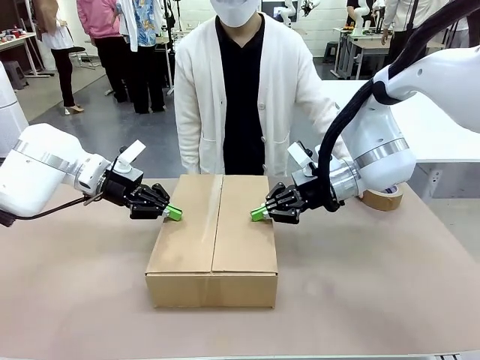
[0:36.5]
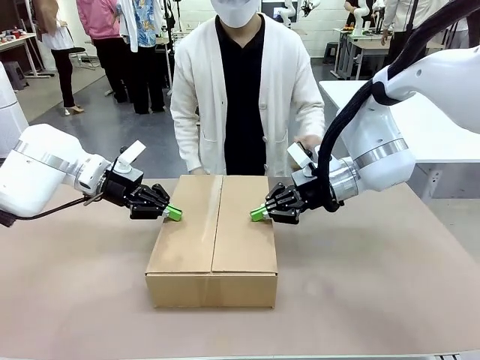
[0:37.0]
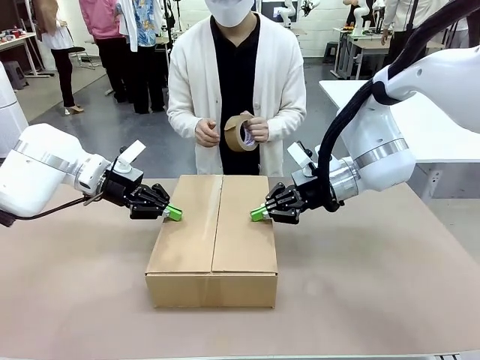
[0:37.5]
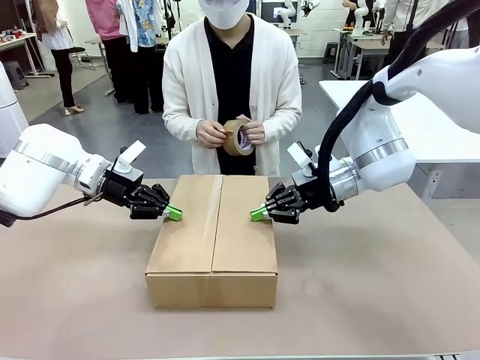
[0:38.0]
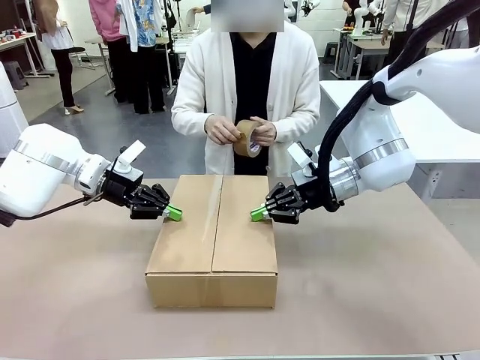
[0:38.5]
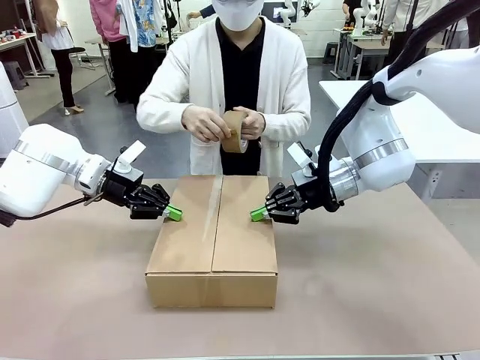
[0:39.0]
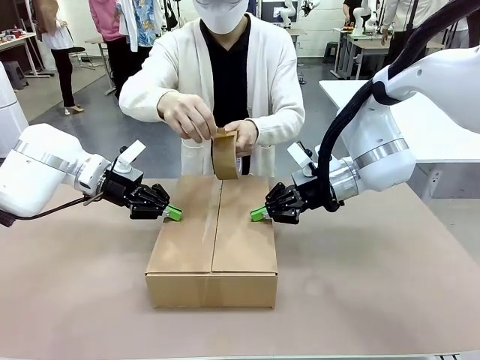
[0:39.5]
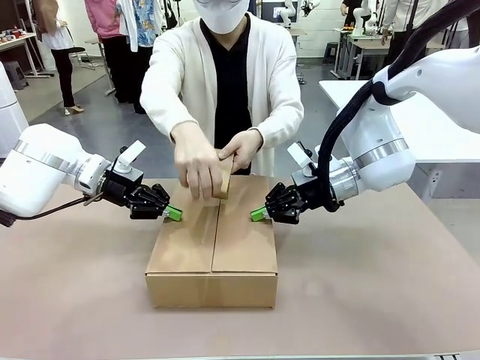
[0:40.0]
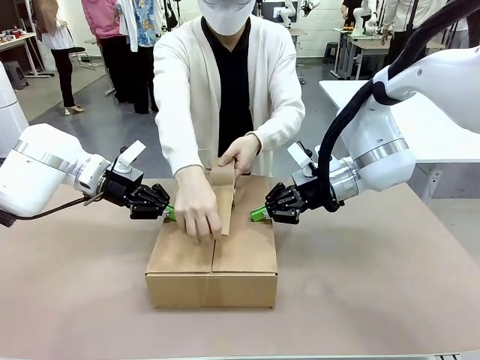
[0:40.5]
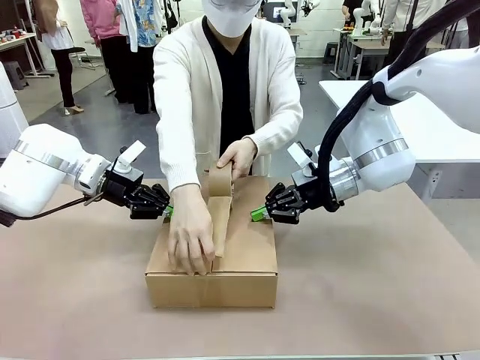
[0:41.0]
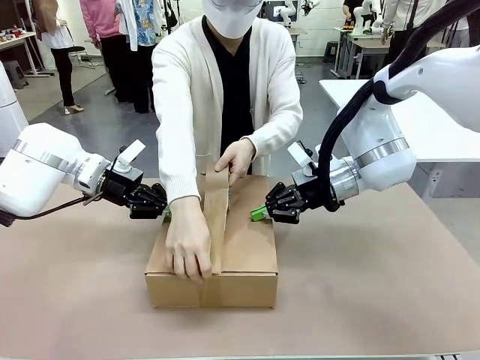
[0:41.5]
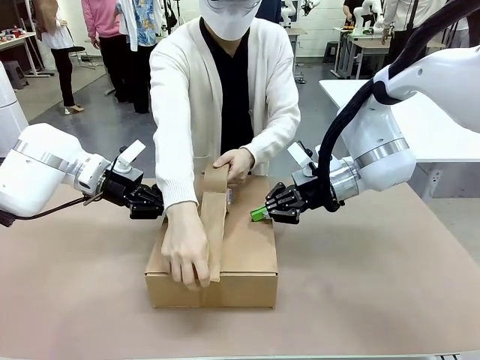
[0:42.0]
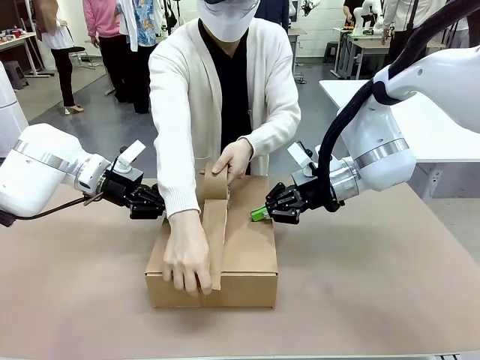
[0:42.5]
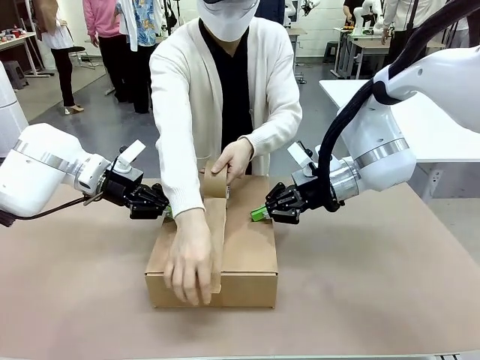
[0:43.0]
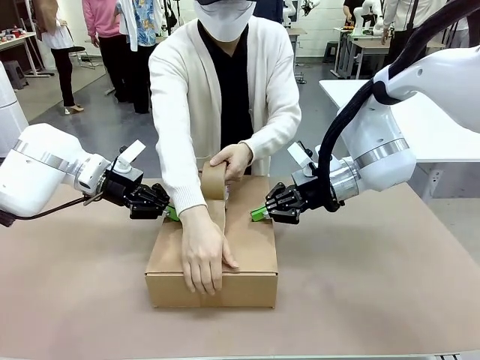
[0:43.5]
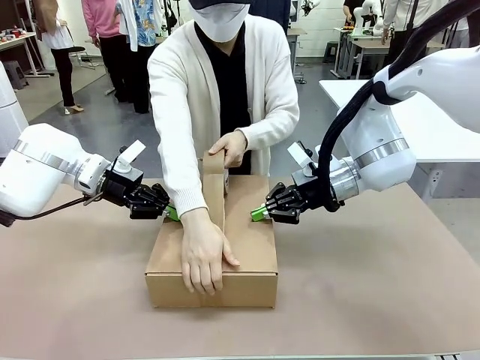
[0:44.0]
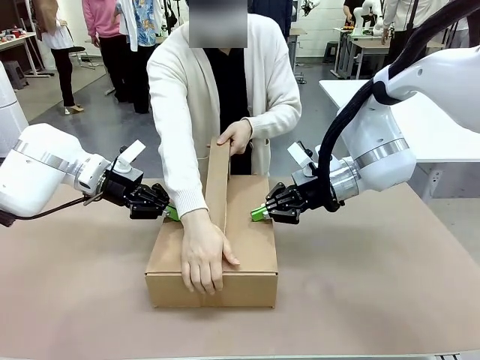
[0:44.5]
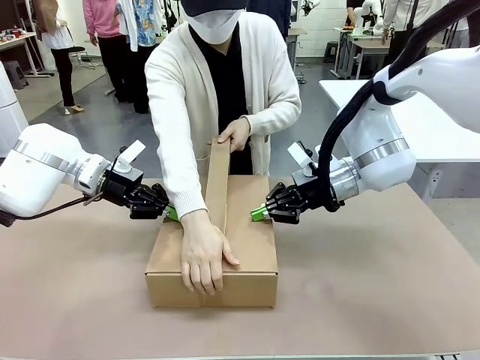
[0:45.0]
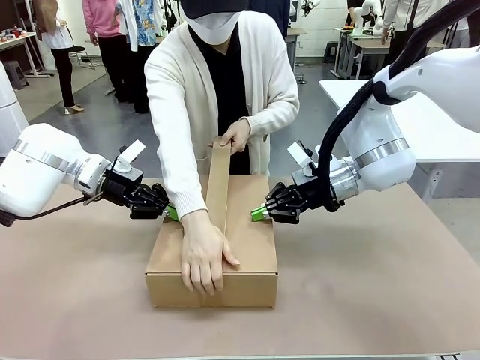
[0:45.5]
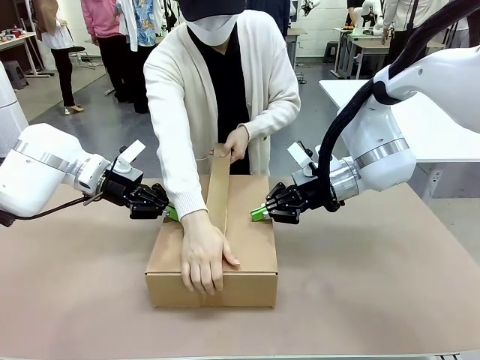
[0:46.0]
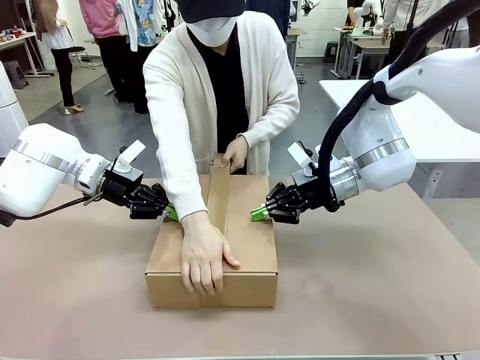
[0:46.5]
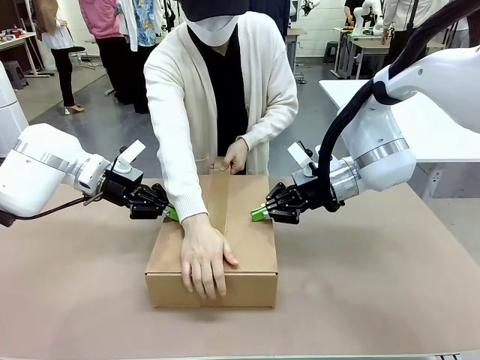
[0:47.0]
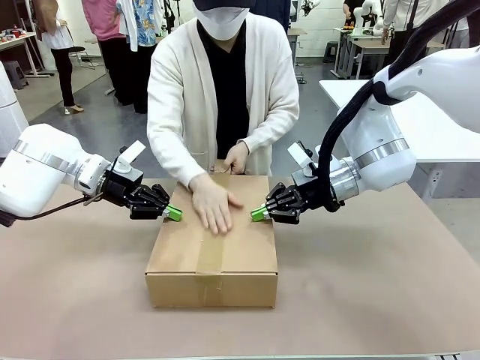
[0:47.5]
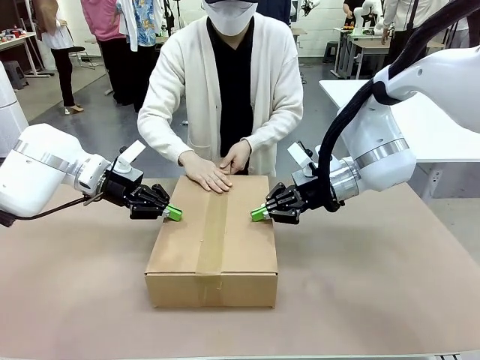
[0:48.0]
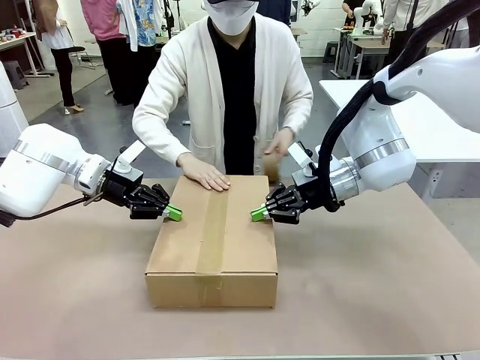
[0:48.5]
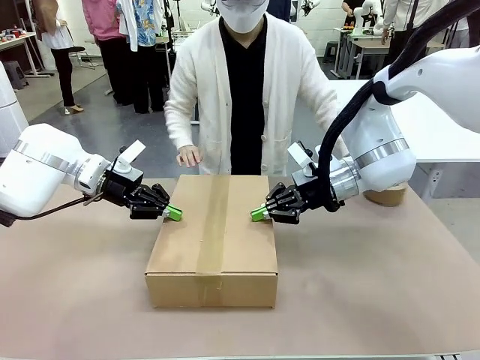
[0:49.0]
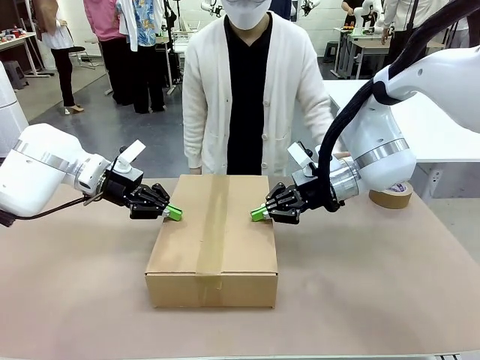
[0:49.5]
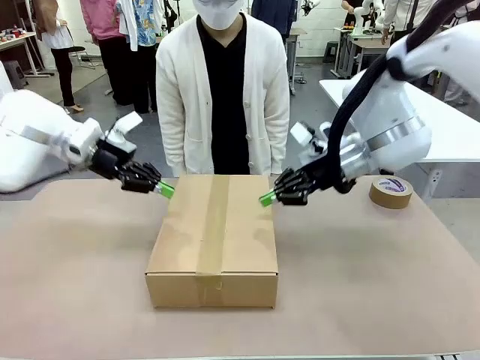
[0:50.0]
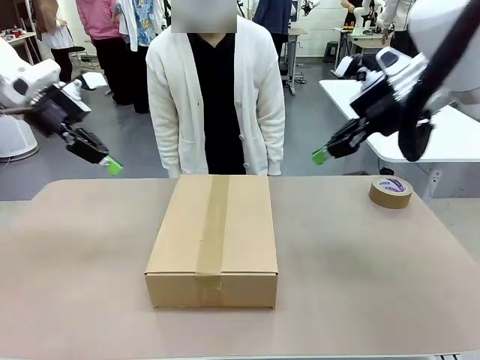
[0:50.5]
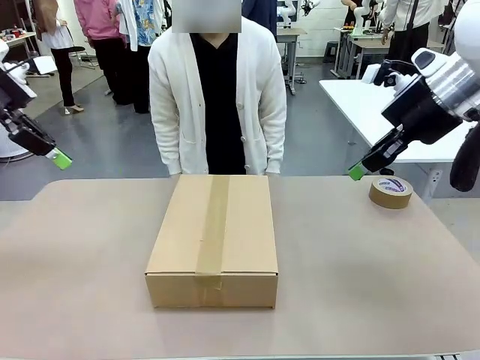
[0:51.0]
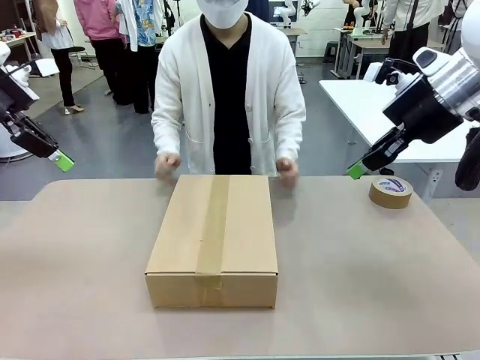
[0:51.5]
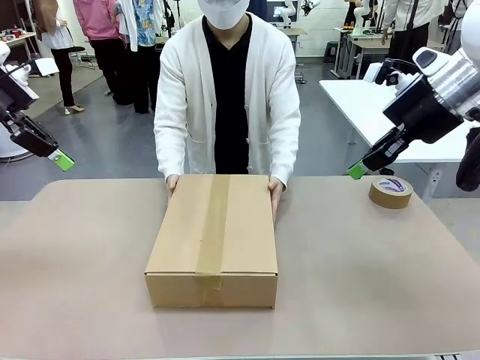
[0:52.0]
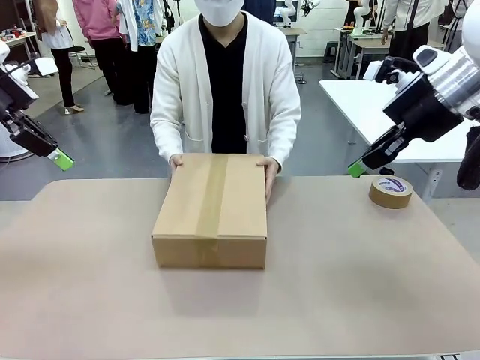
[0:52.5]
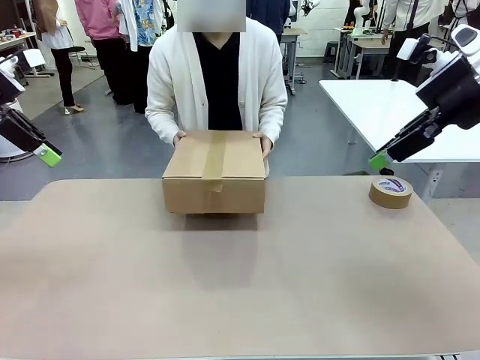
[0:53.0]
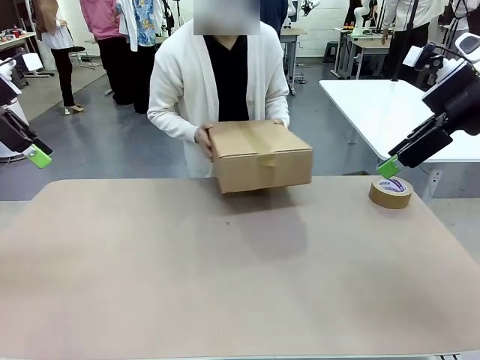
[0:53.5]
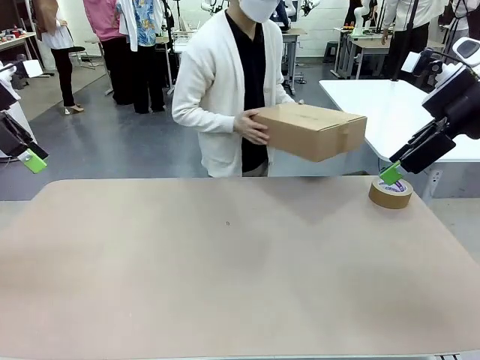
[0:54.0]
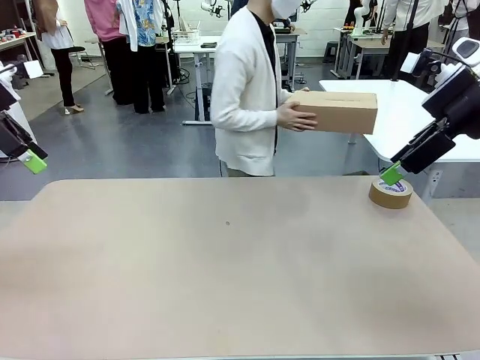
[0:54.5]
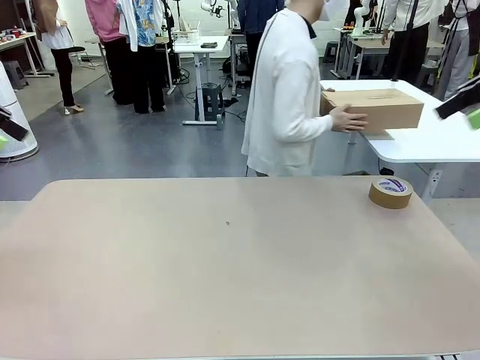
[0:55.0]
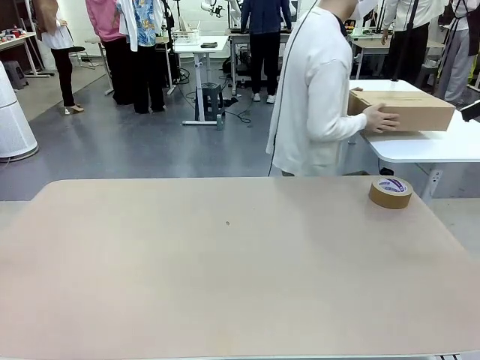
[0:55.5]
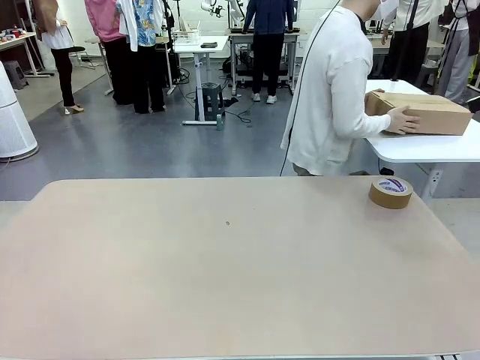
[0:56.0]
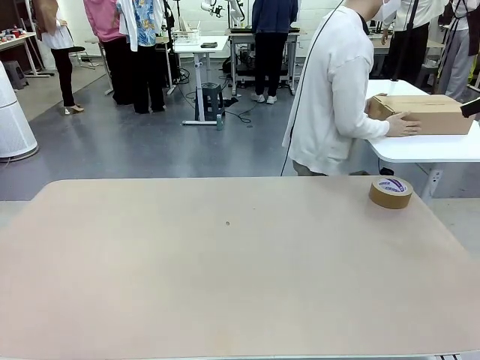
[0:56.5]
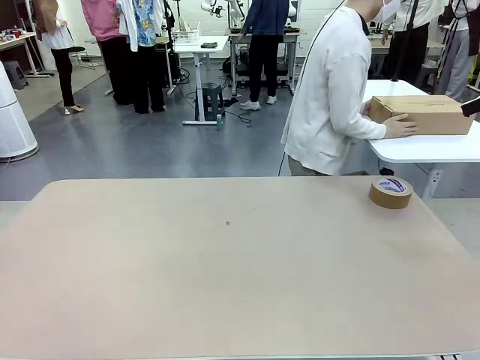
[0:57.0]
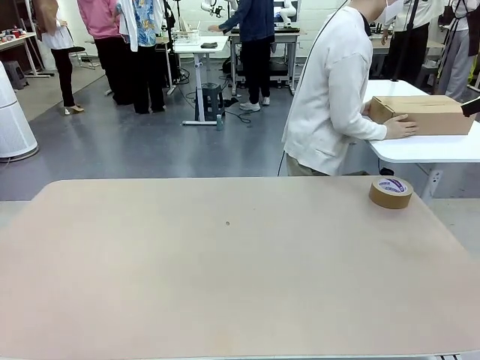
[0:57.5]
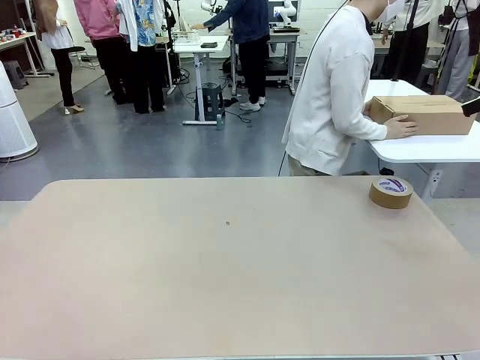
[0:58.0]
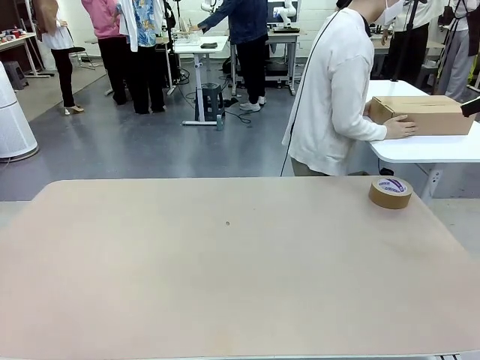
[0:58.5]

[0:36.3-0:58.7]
Task: Wrap the clocks to prevent damage.
Robot: After the human seals the box with tape, release both hands from the side flaps of the Package Box.
Person: Once the robot closes the left flap of the Package Box , seal the box with Paper Tape. Place sealed Package Box in the middle of the human's table.
